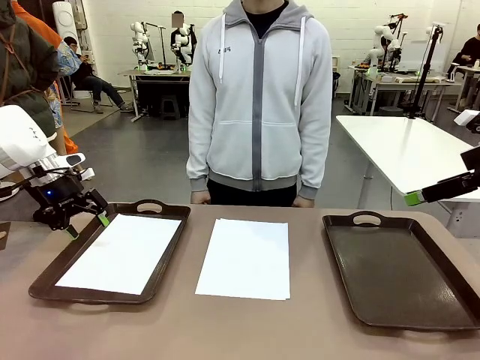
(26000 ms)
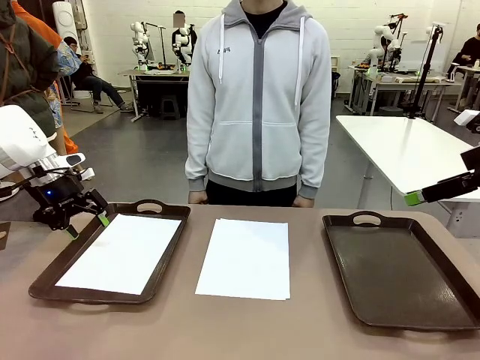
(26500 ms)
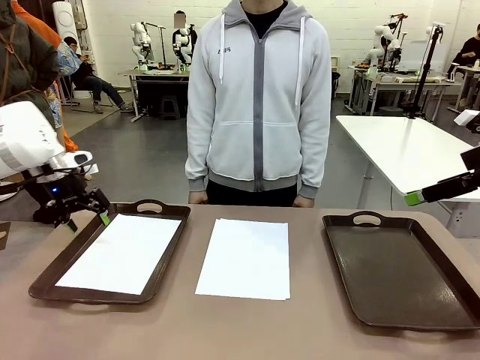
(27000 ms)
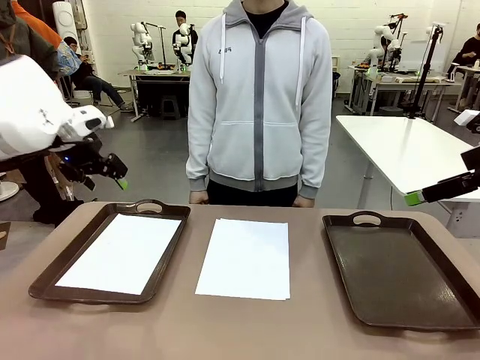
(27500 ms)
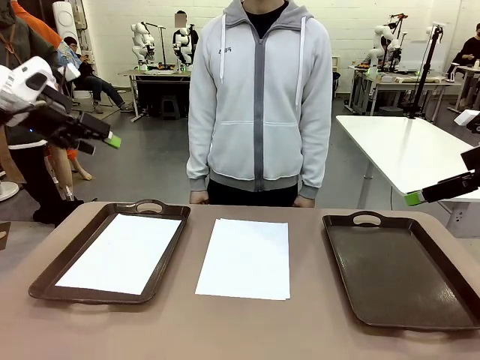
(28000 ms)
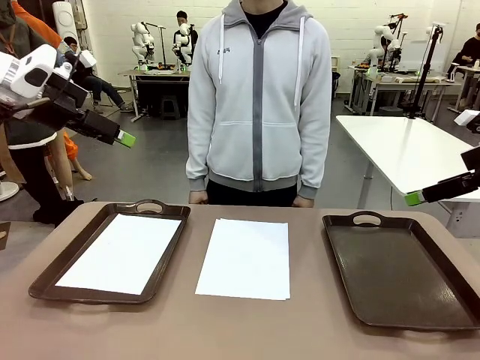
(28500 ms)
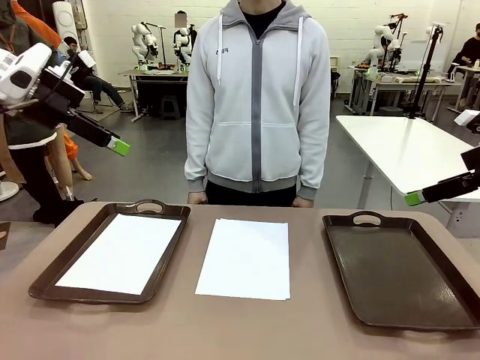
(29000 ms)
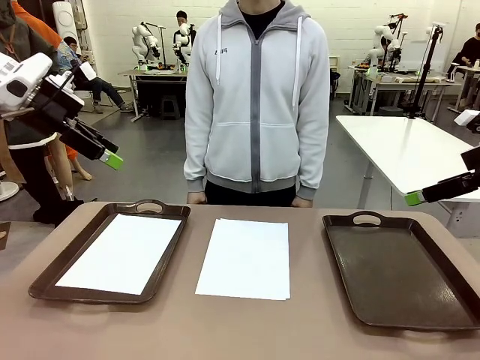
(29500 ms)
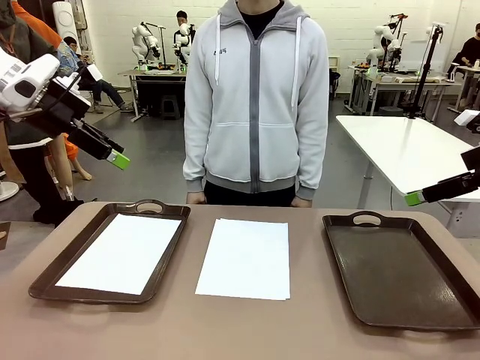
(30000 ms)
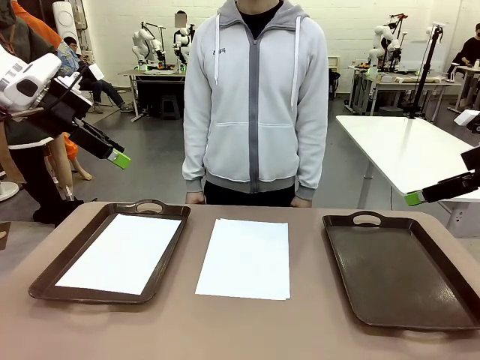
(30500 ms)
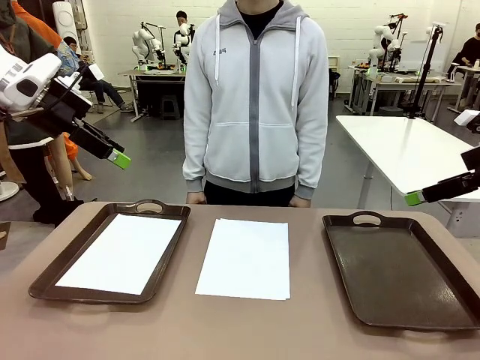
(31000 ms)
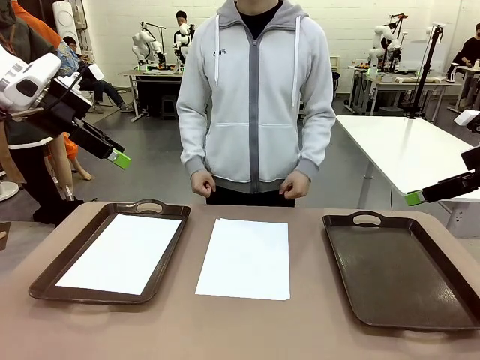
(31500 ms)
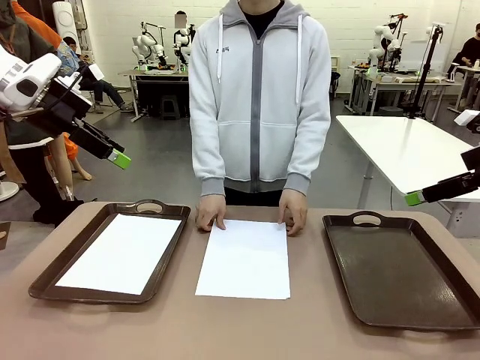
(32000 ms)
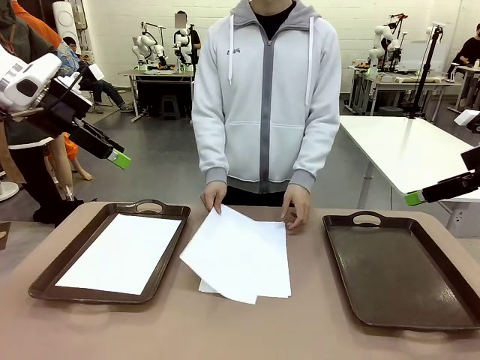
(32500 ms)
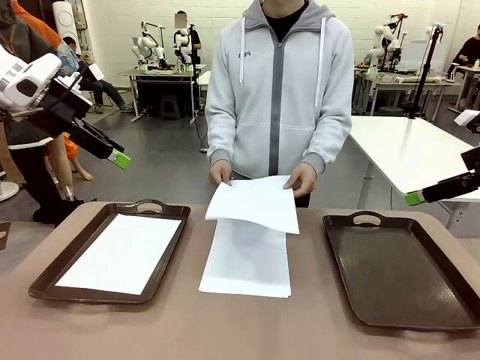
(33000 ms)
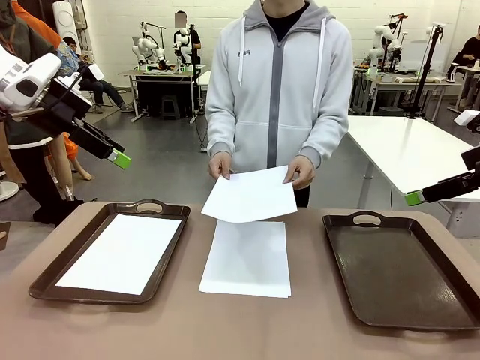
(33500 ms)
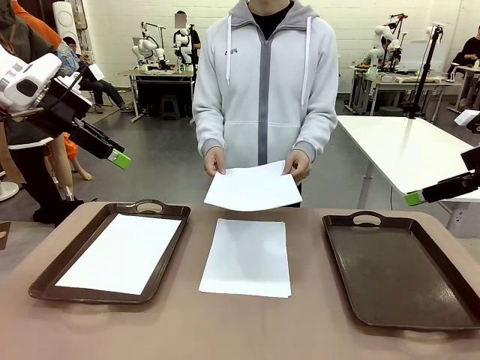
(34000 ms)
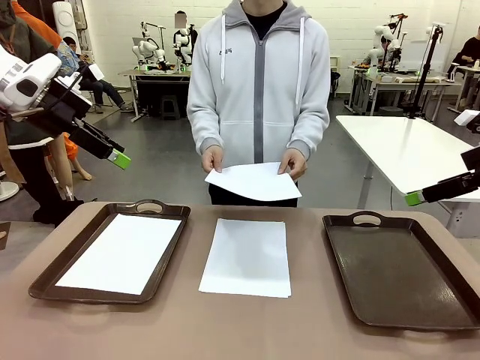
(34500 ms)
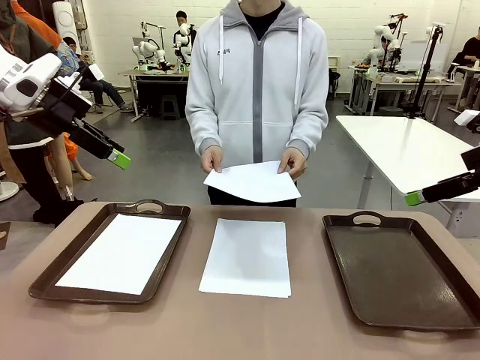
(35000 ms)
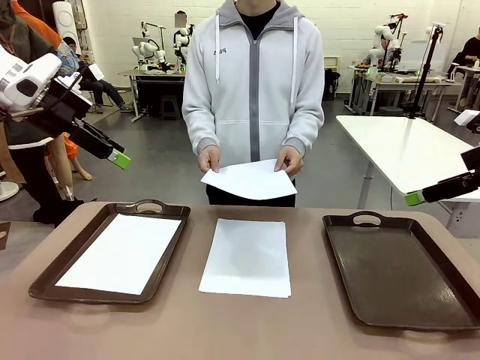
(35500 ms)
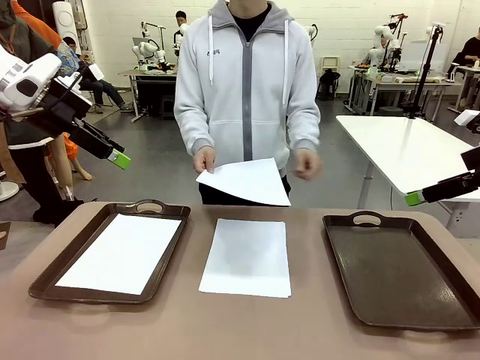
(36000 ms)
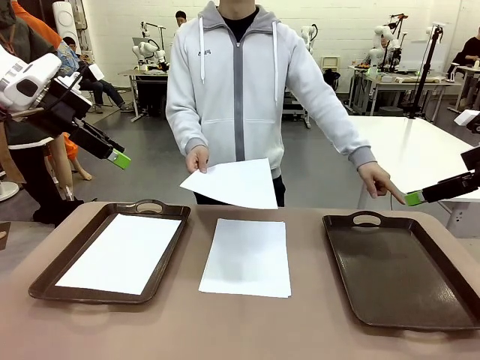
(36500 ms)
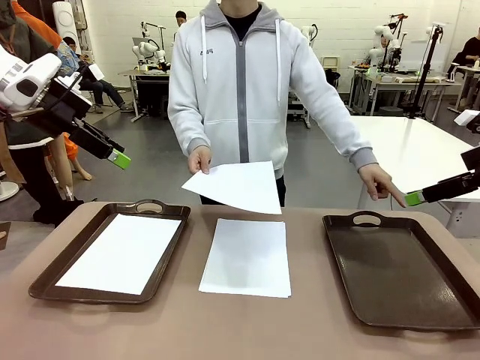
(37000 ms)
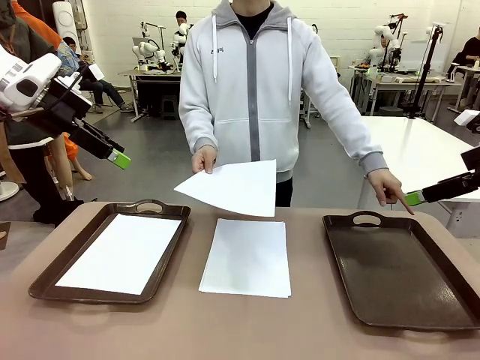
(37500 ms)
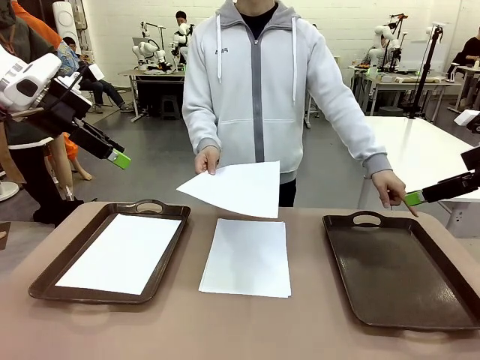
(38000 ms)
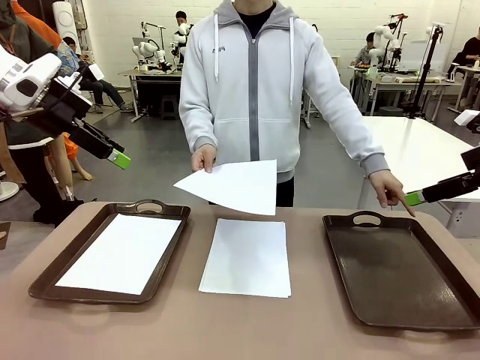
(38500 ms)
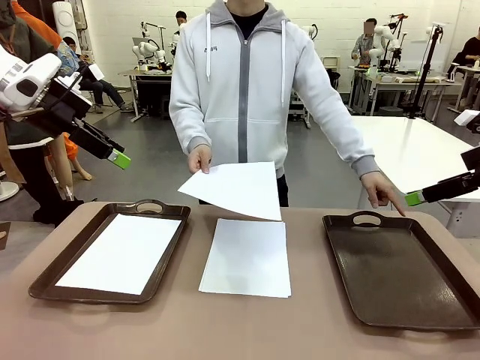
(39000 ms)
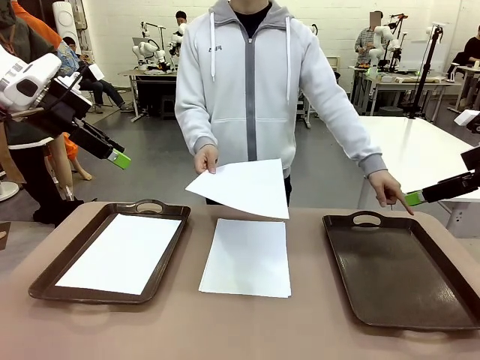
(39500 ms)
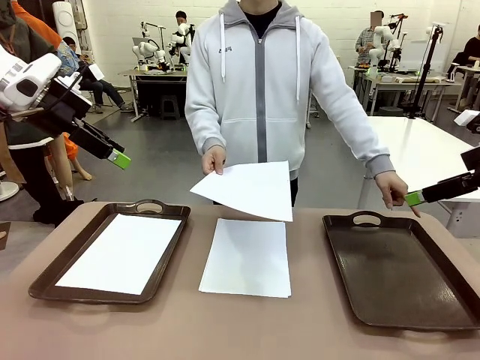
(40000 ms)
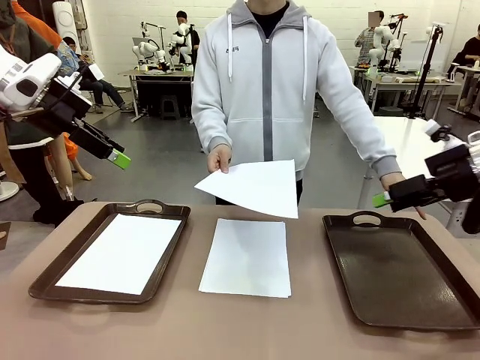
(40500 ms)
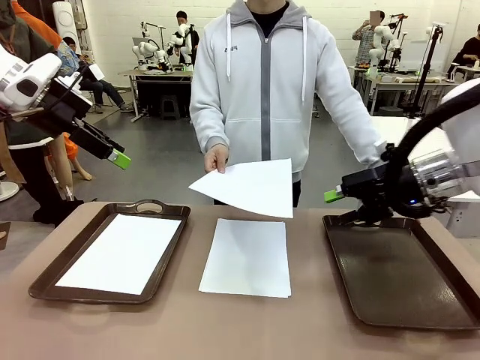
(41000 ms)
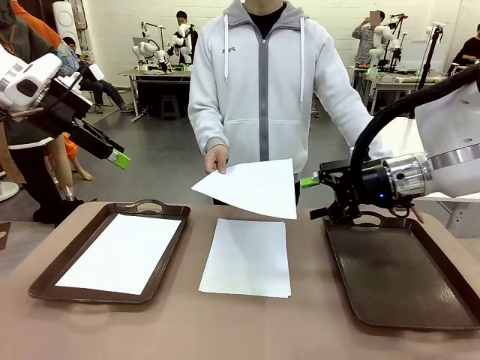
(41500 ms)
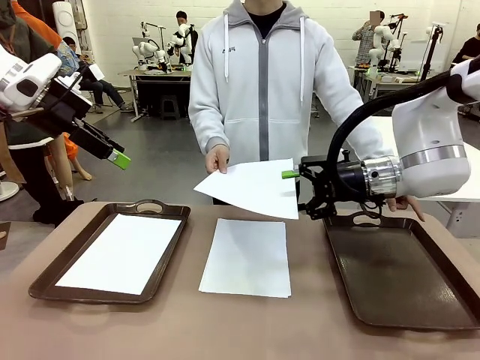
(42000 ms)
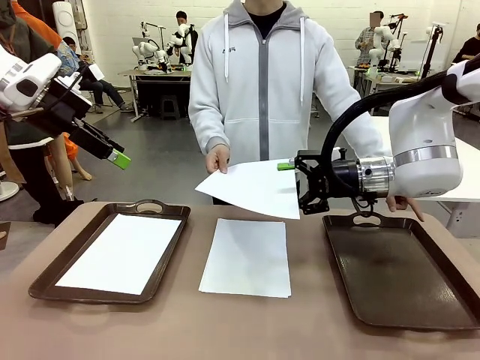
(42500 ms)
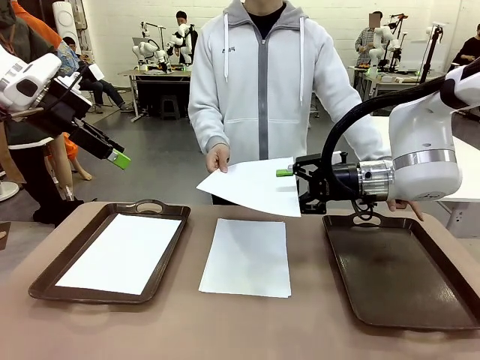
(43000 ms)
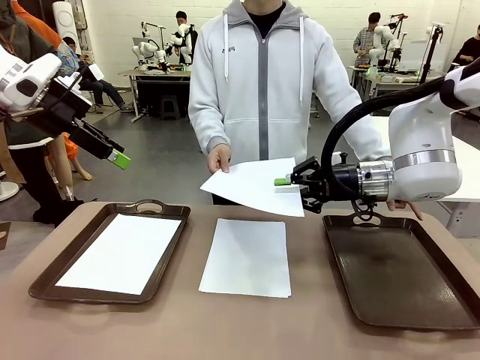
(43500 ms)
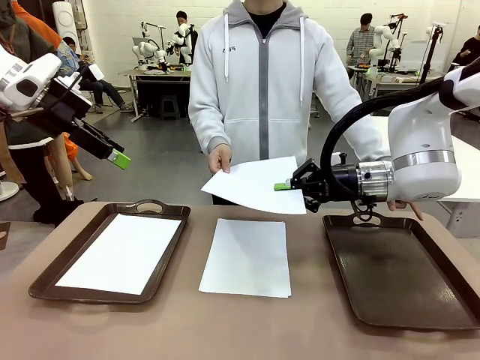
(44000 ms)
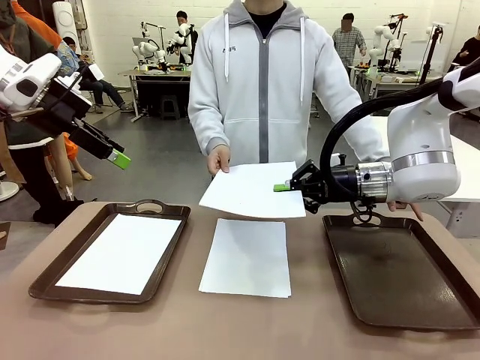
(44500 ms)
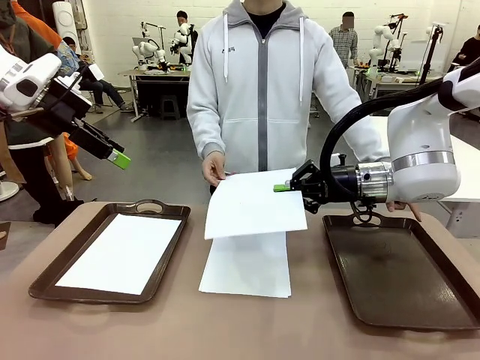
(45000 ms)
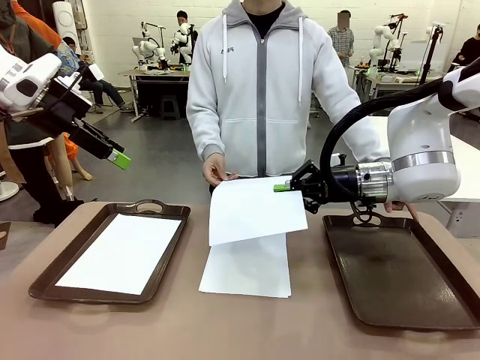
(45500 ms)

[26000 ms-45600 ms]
Task: Sort the A4 documents.
Robot: Receive the A4 Paper.
Person: Point the randomly selected tray with the other hand.

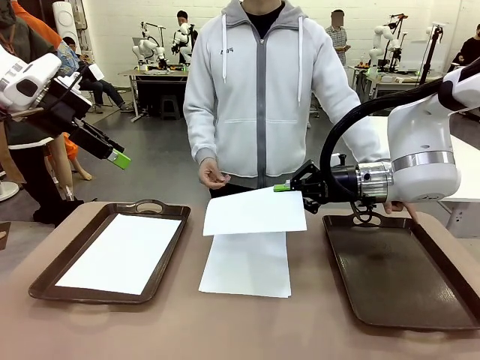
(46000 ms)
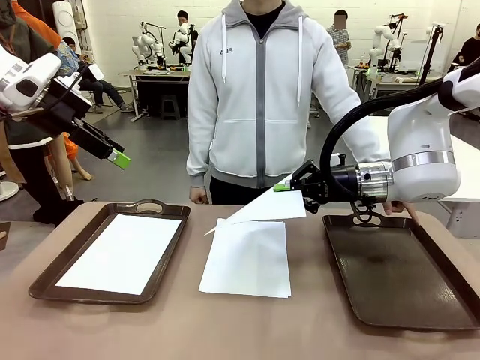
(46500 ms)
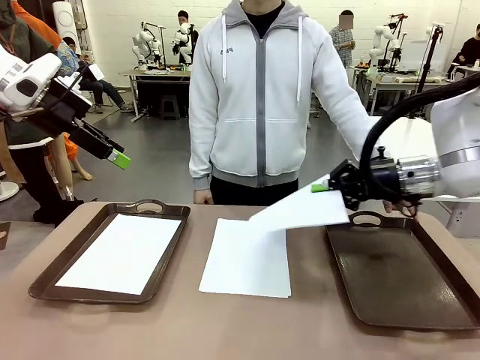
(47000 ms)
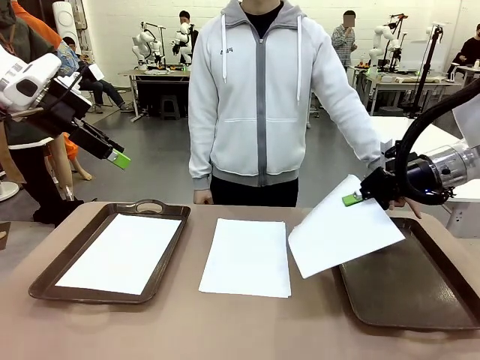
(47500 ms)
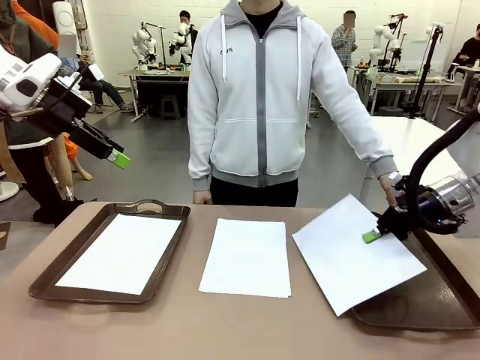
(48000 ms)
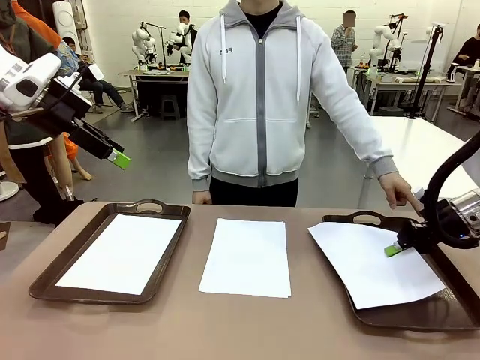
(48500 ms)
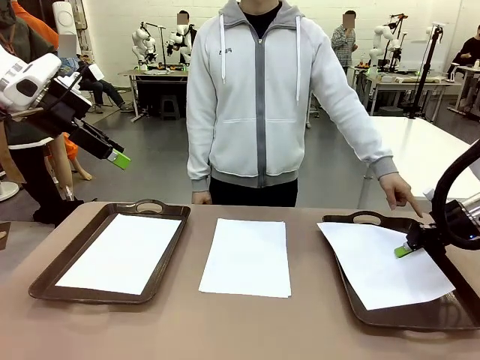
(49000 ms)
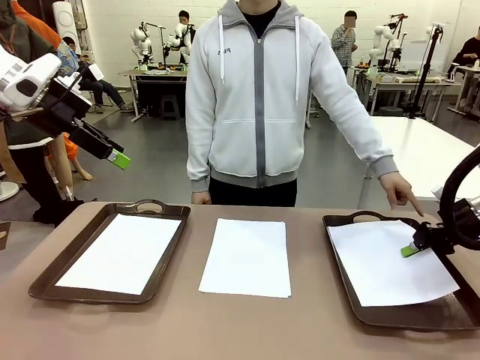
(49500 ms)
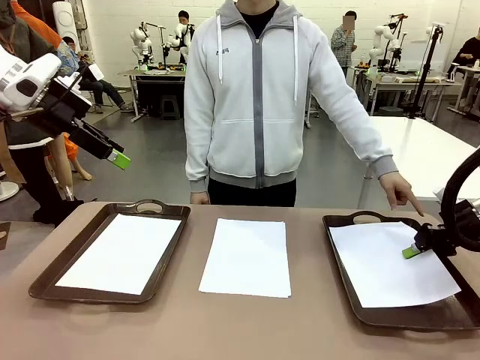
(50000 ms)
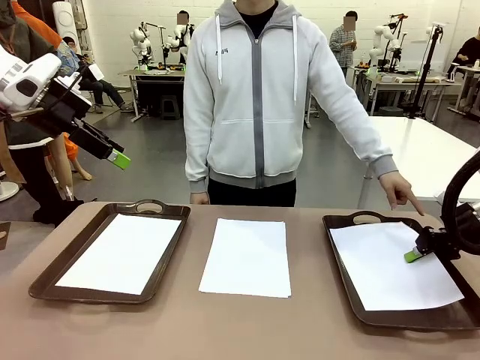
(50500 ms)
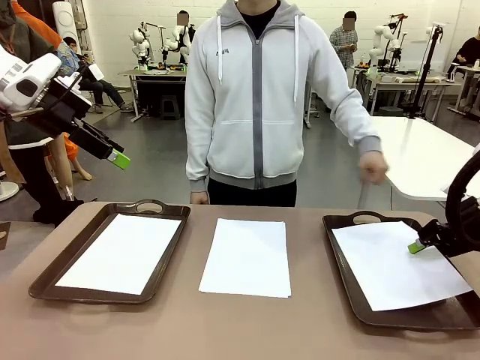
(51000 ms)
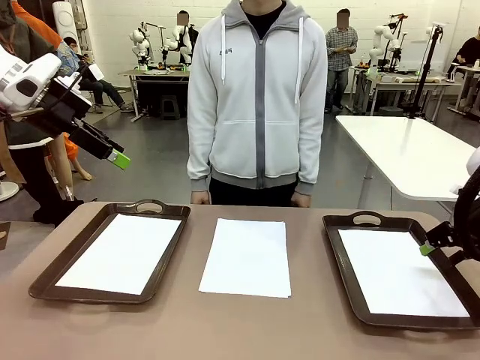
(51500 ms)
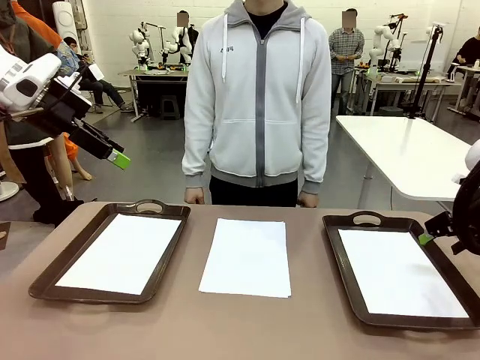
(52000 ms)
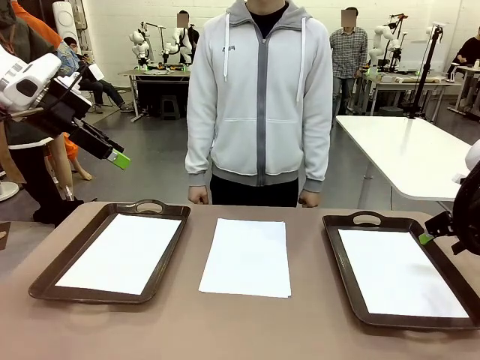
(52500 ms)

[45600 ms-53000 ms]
Robot: Place the A4 Paper in the designated Handle tray.
